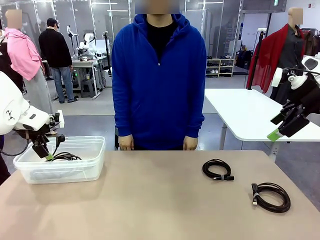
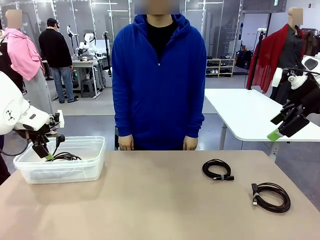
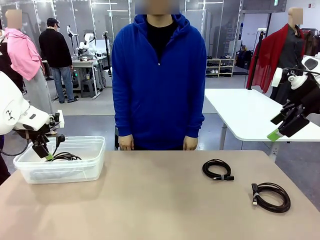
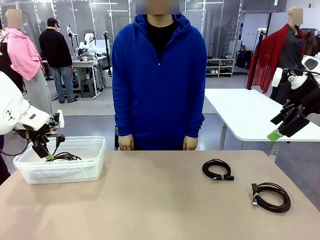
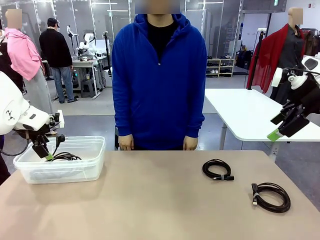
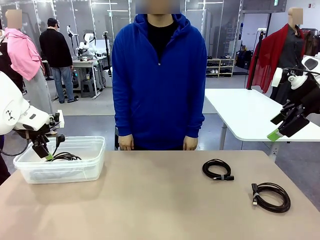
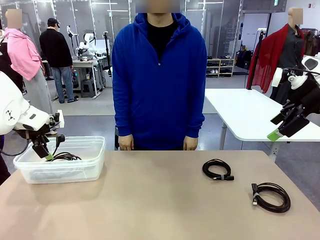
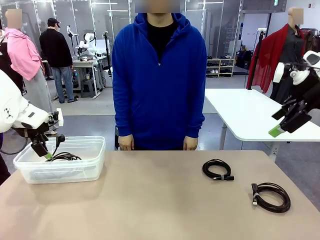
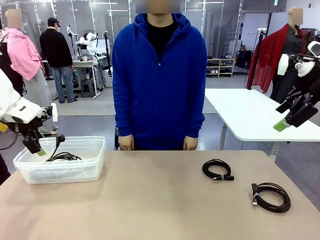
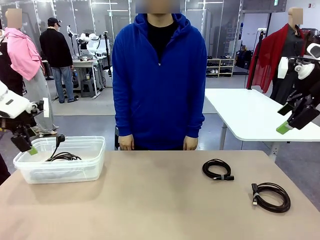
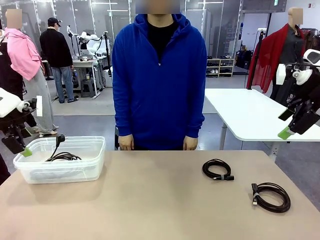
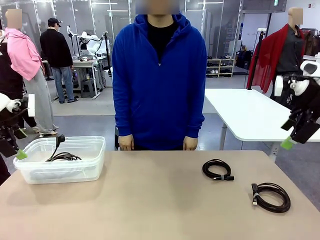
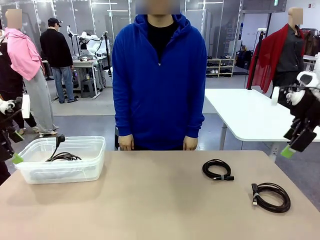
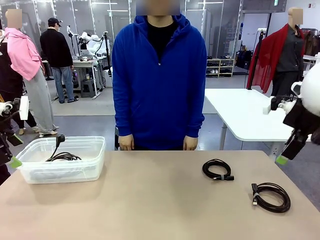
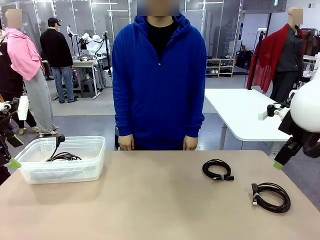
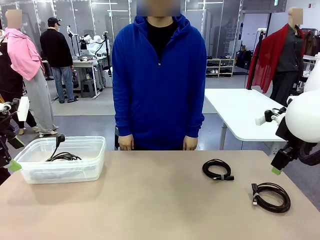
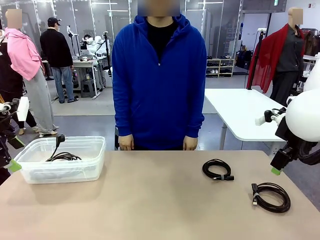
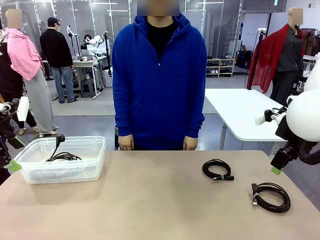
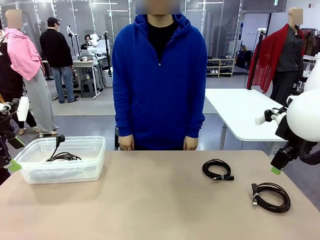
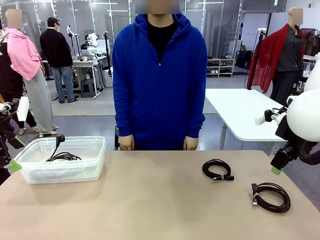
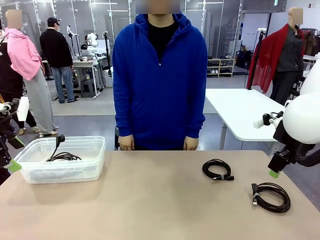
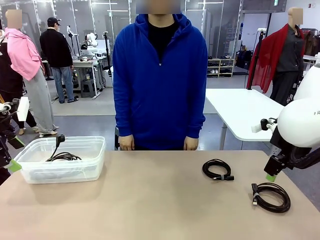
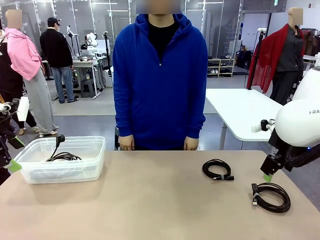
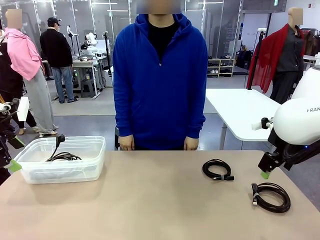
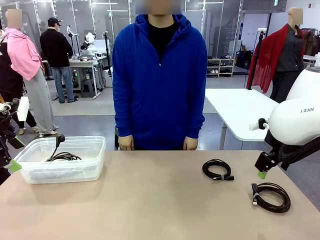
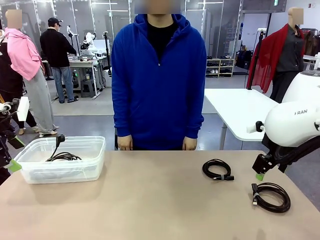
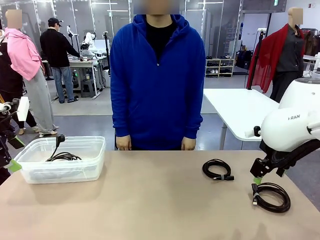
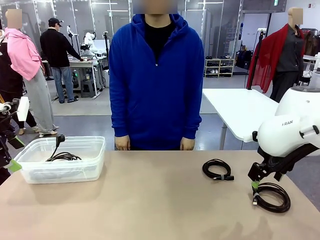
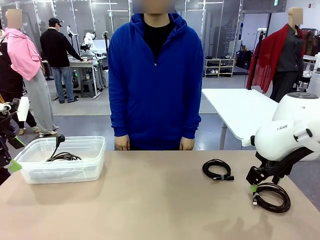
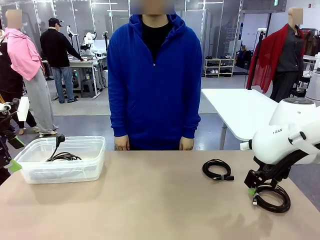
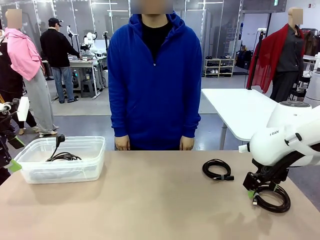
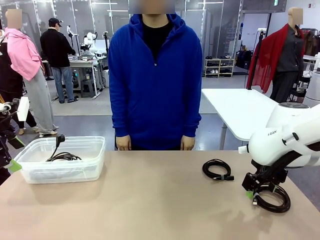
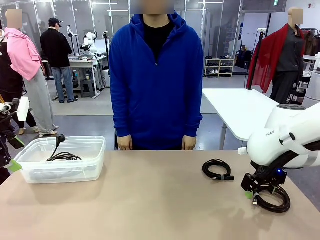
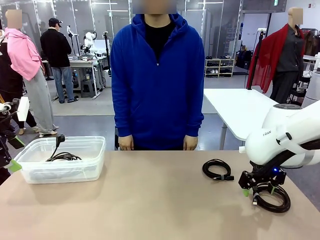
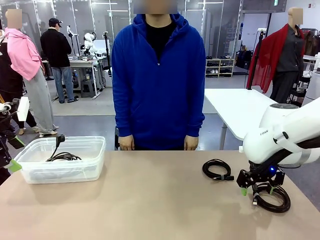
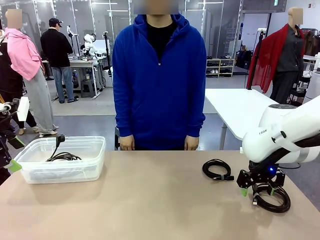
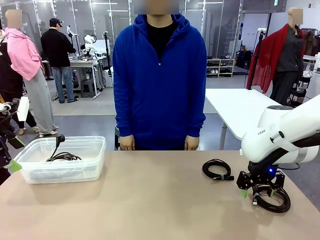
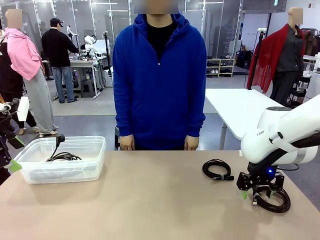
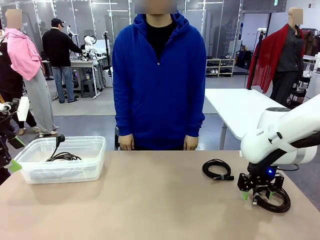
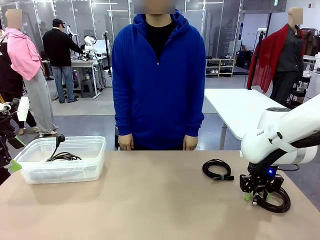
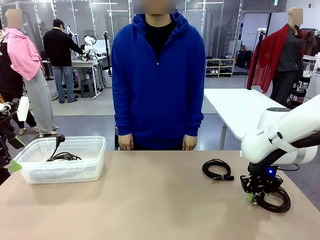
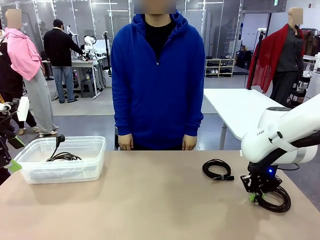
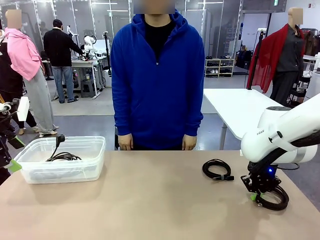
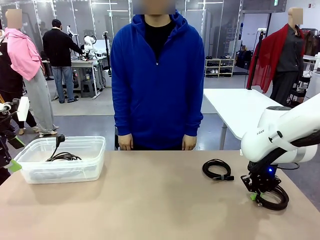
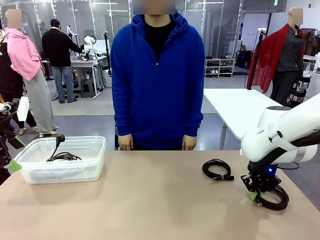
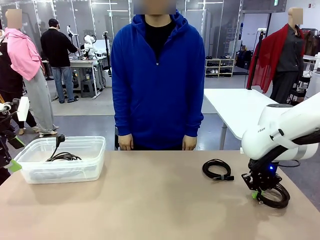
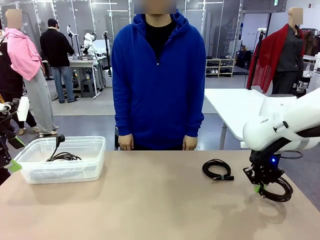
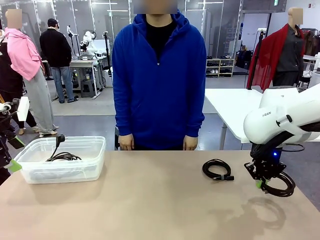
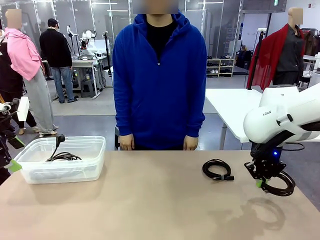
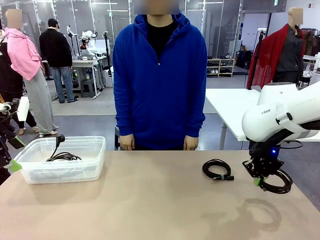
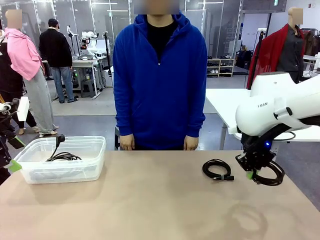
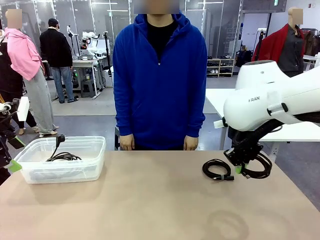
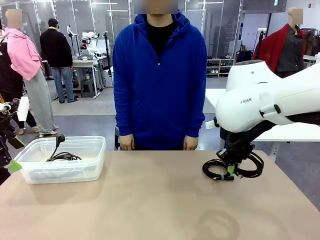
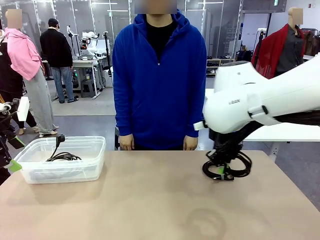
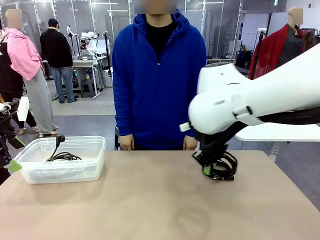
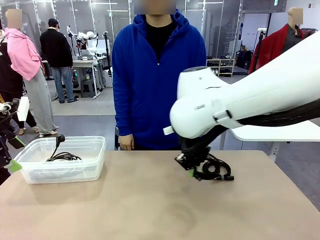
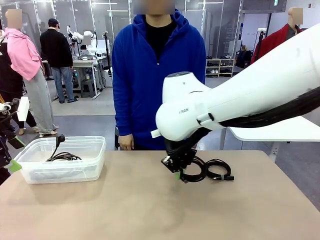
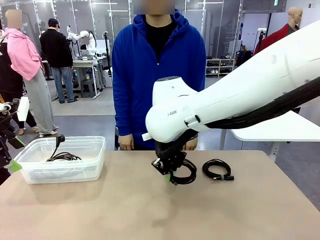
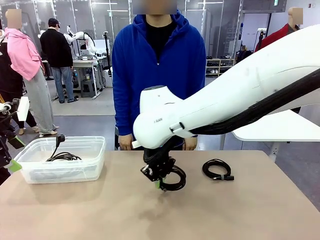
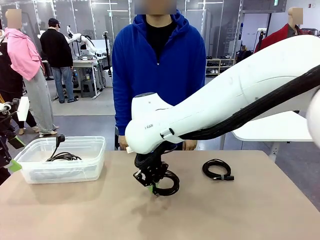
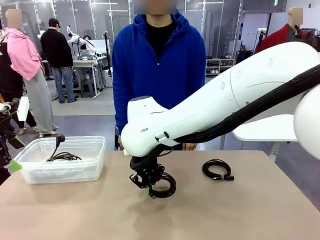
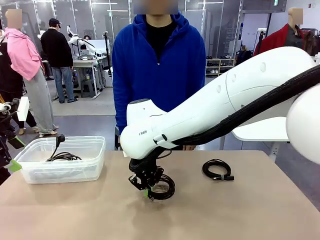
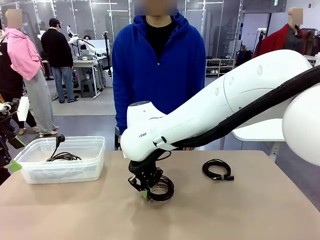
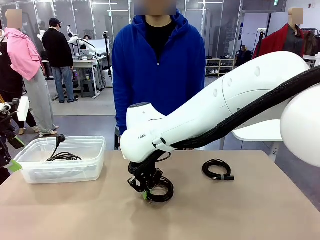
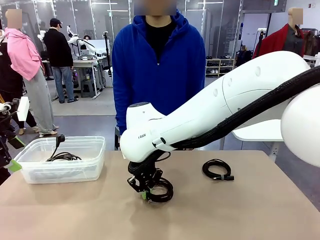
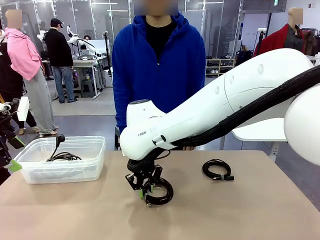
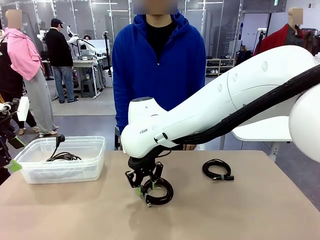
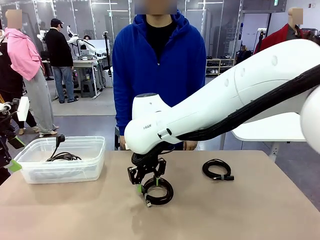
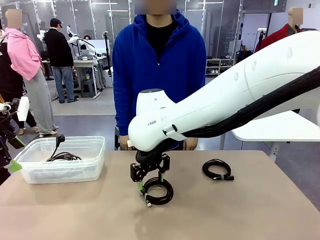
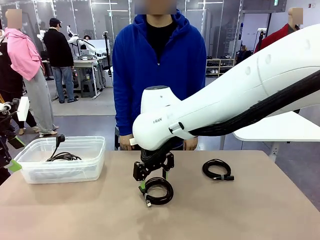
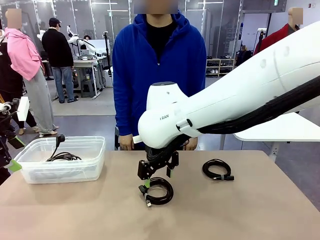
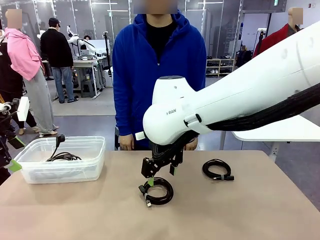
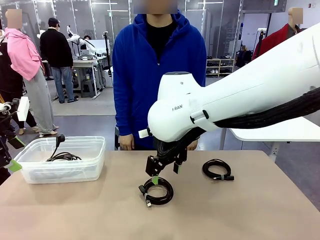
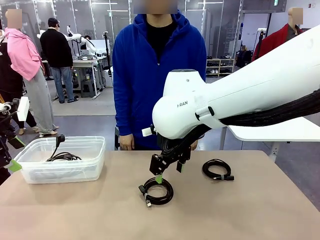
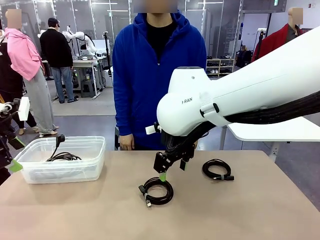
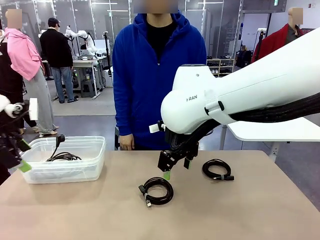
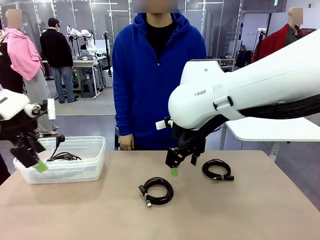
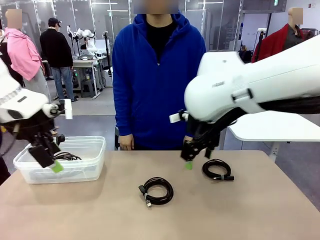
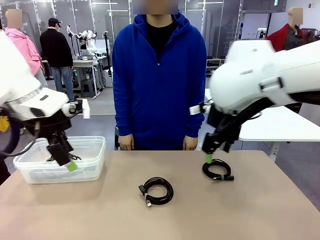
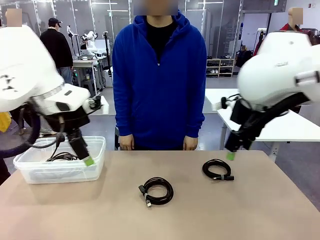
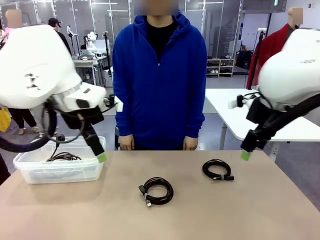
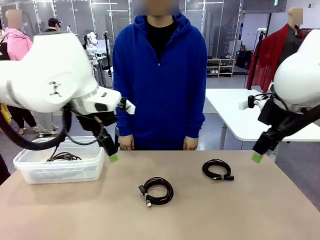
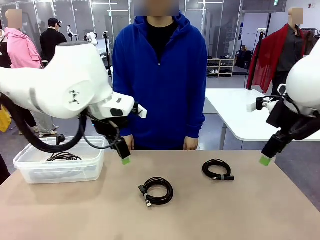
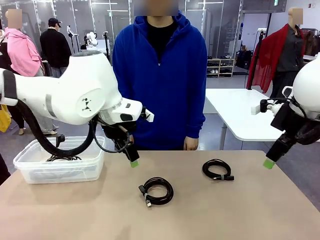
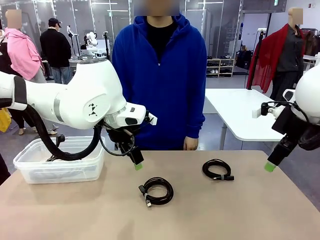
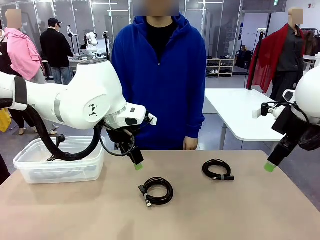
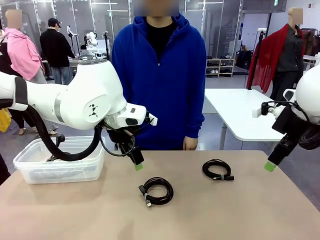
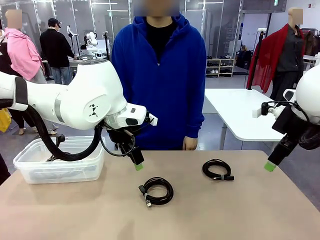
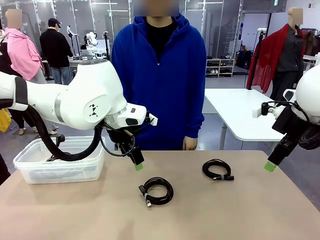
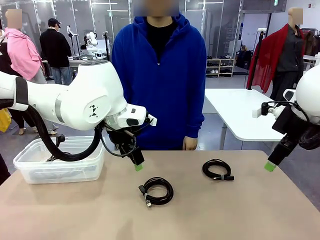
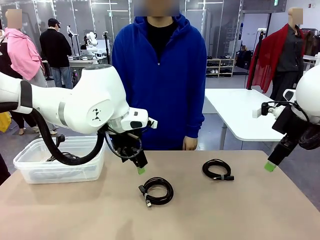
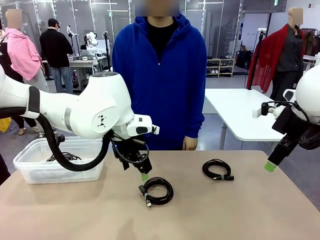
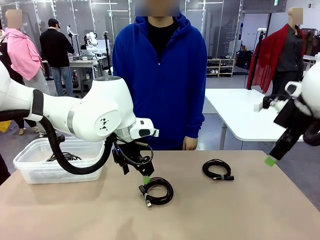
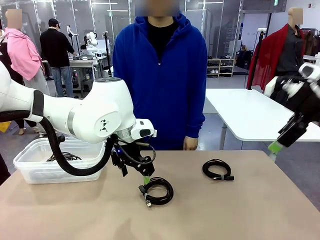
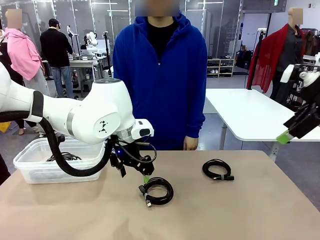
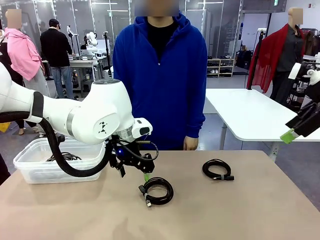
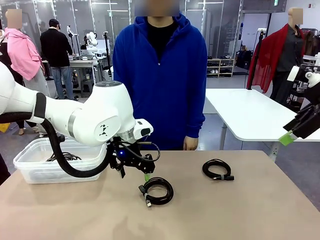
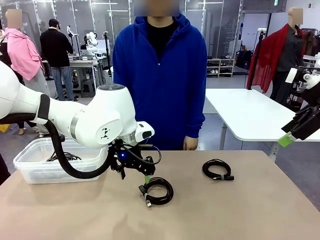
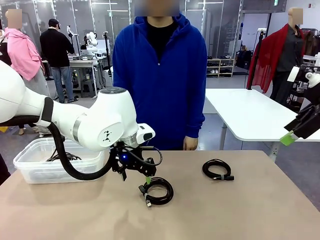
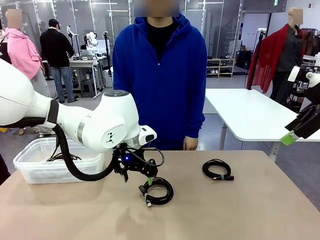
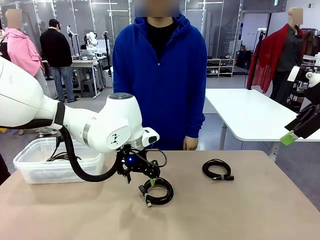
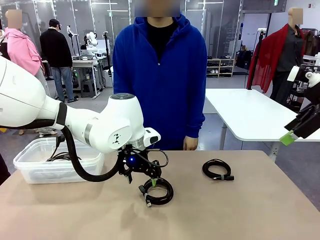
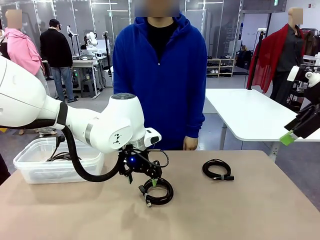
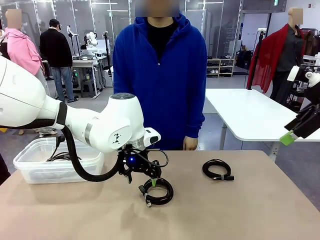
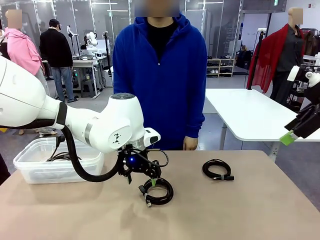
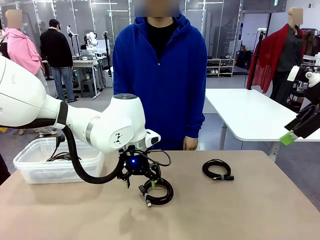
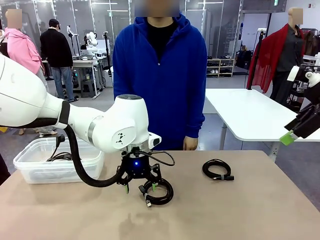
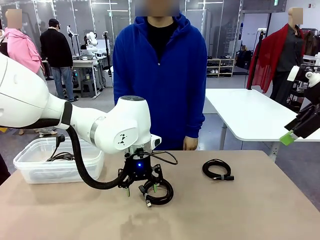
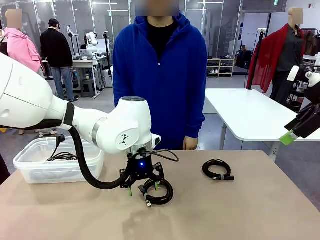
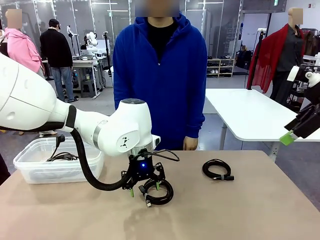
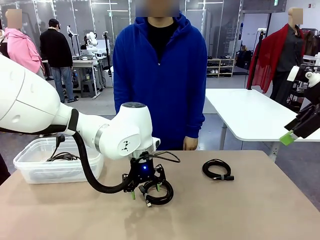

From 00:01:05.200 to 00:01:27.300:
Task: Organize and store the cables.
Robot: Place the USB Extension Cable into the Organizing box.
